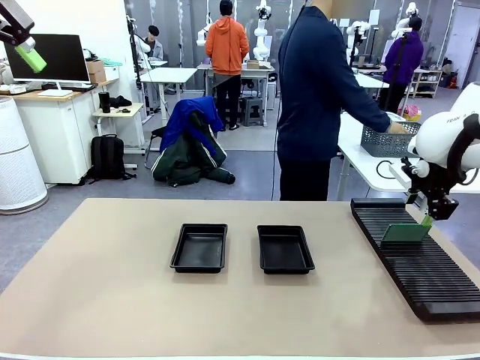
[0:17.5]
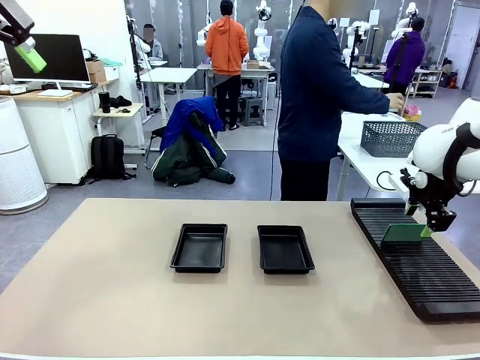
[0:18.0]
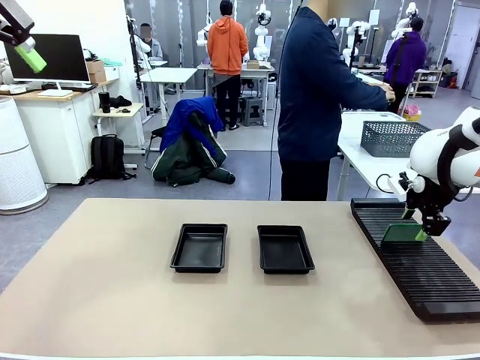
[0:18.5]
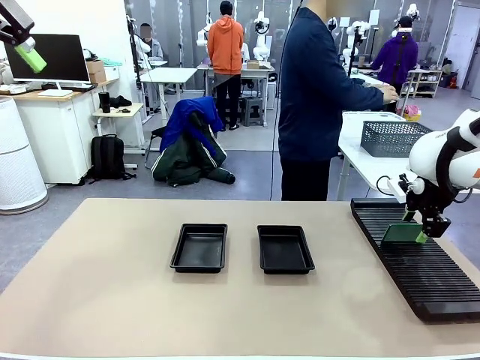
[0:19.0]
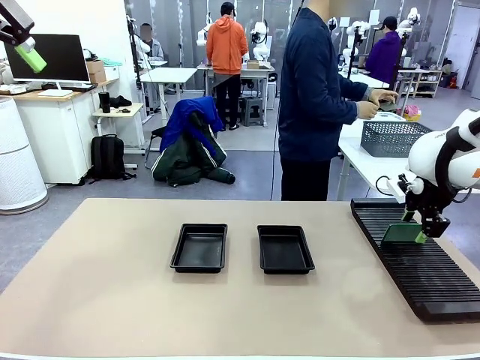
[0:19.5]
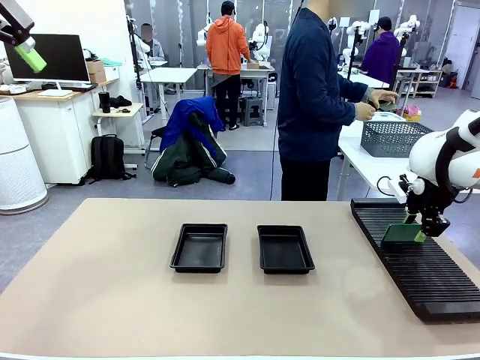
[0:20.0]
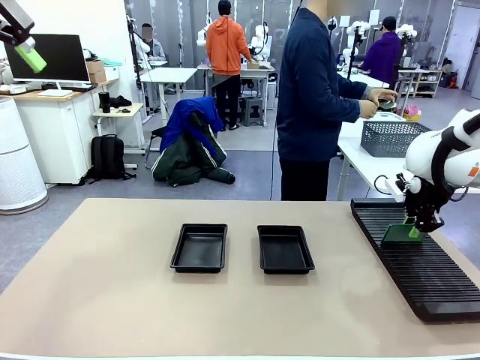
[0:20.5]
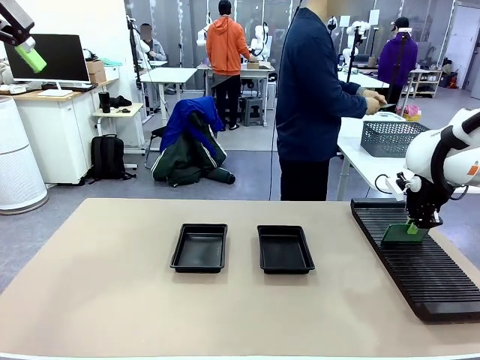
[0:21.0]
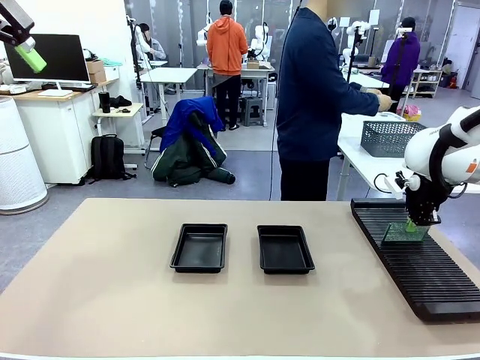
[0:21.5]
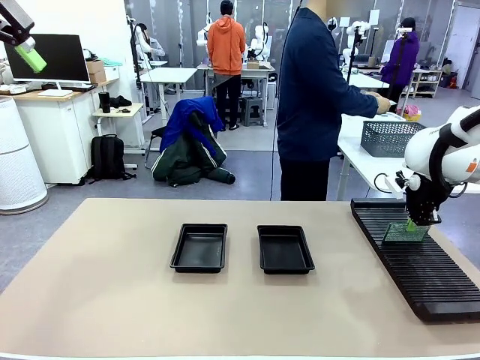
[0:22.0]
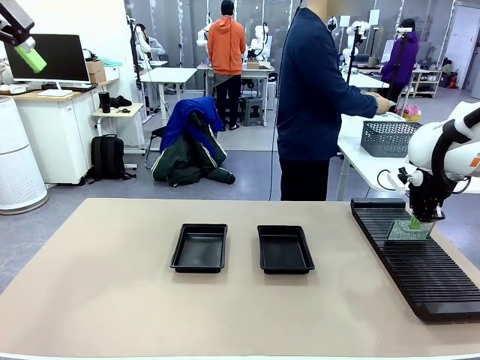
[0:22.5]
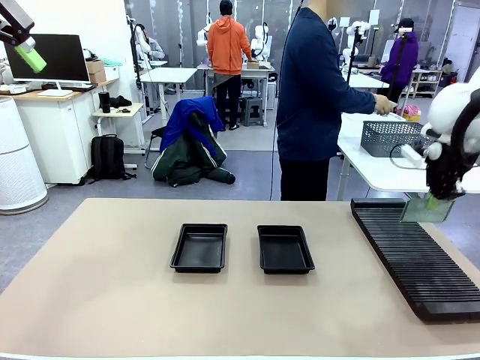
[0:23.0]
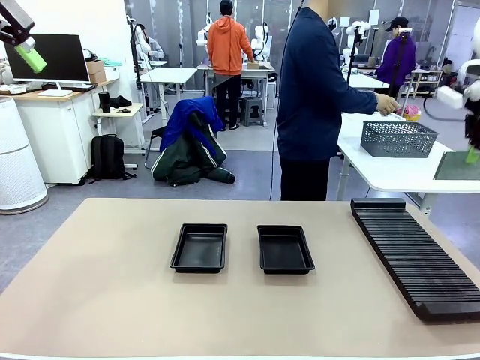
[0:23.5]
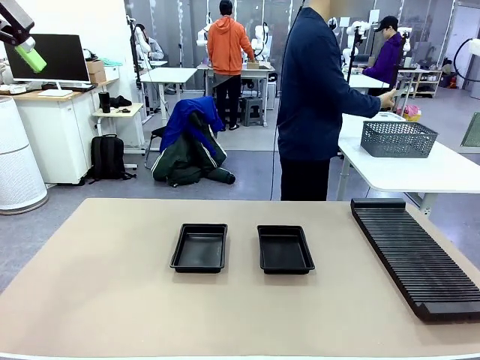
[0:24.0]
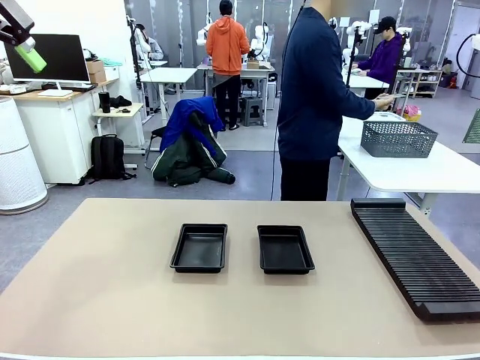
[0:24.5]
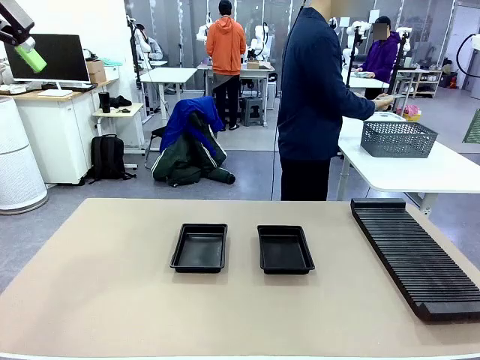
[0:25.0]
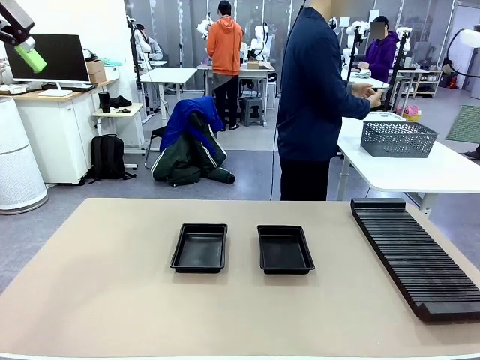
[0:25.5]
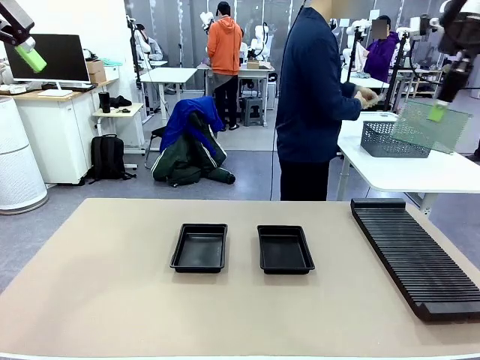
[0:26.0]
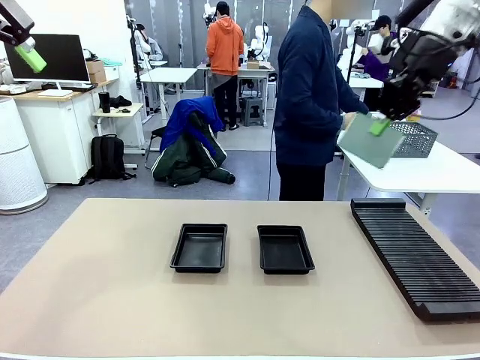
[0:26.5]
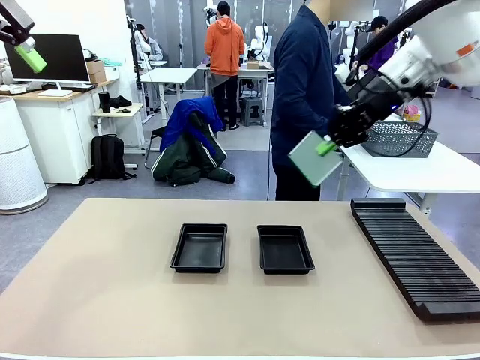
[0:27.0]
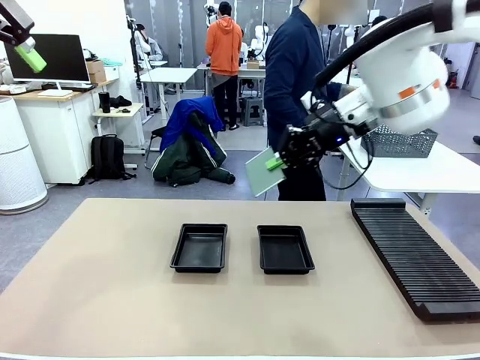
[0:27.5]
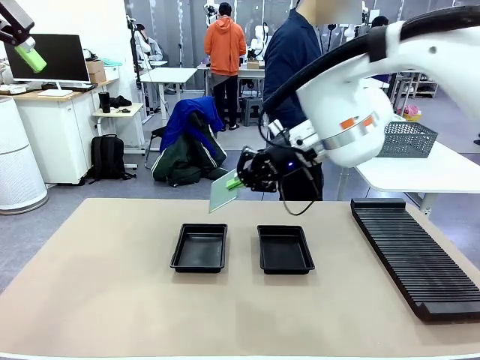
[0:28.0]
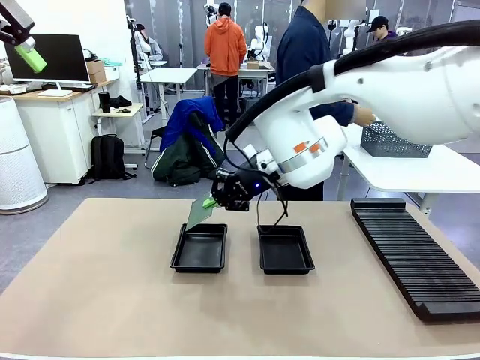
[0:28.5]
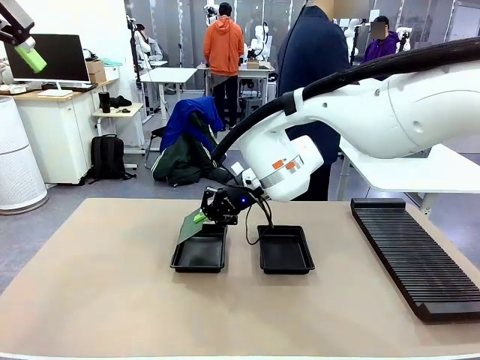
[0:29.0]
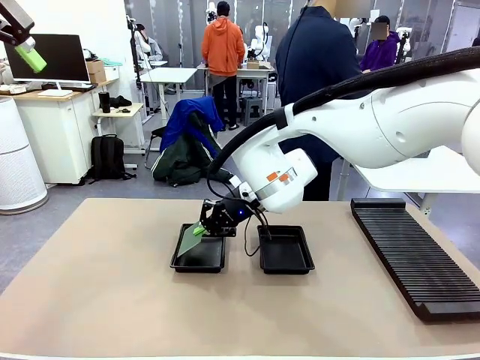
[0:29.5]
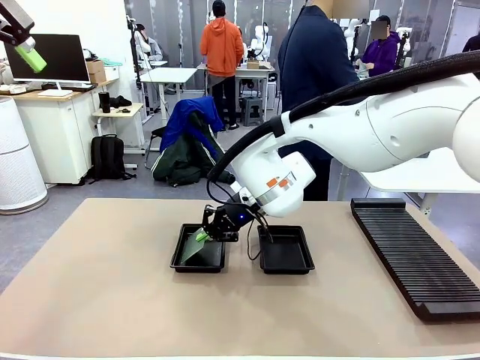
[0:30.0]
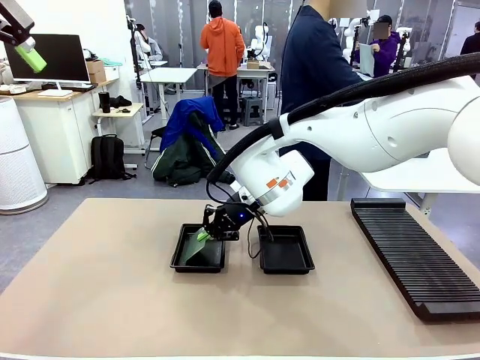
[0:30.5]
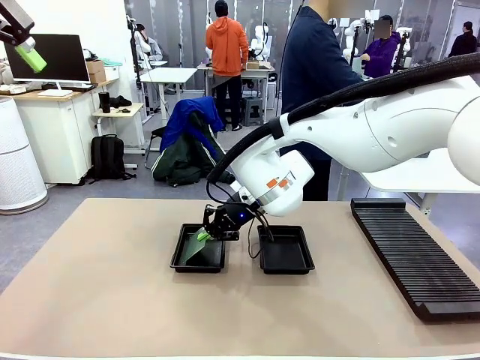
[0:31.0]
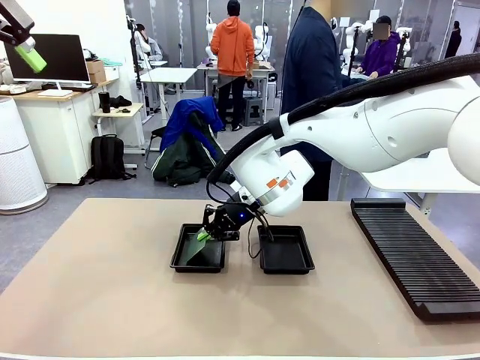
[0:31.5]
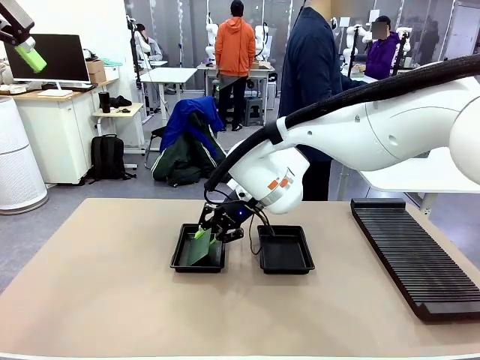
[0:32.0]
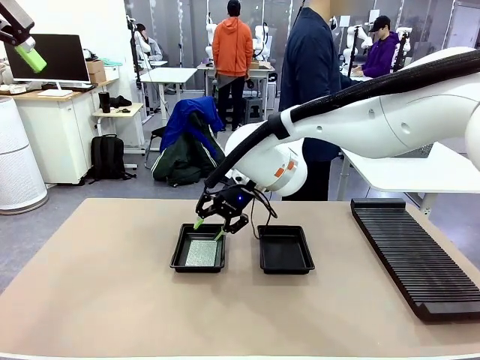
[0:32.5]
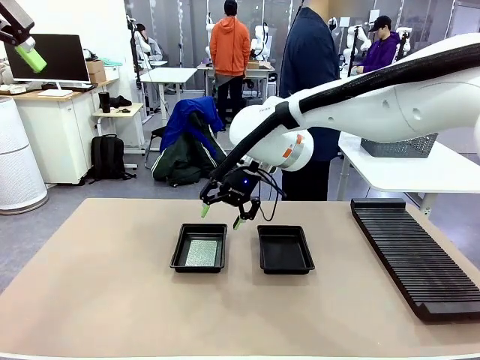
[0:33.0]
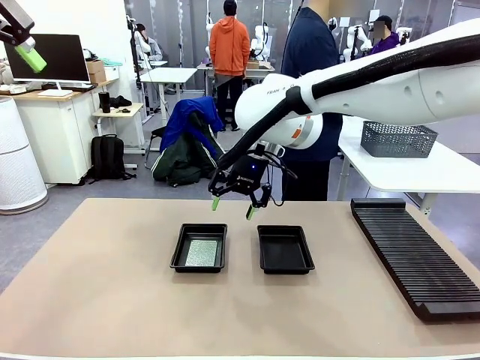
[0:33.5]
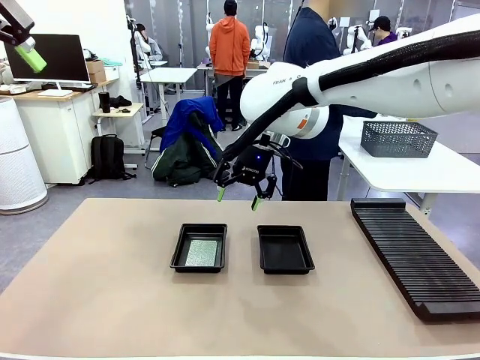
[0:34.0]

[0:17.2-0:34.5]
Task: Inspect and transfer BCBs to ESD trays.
Robot: Pick up the Blank PCB from the PCB Rack and place it in the left ESD tray.
